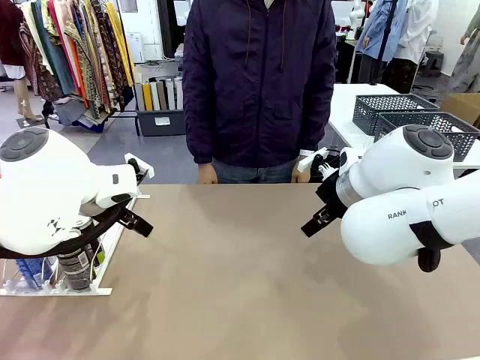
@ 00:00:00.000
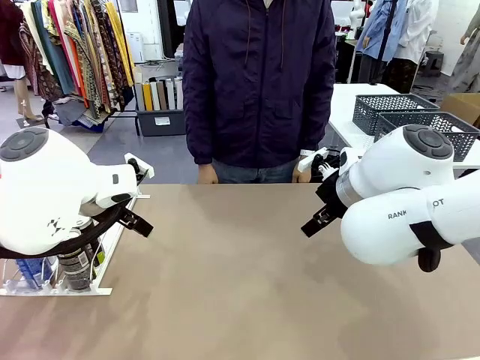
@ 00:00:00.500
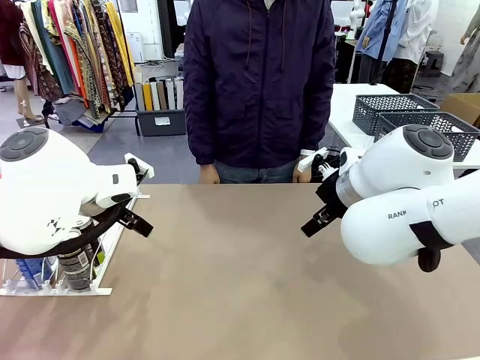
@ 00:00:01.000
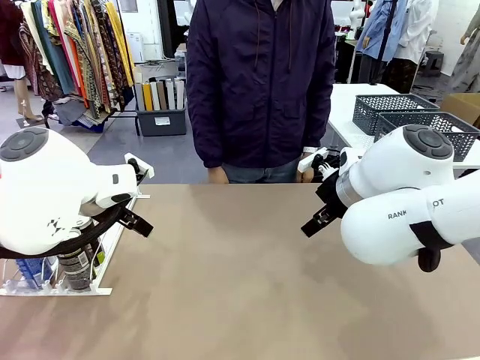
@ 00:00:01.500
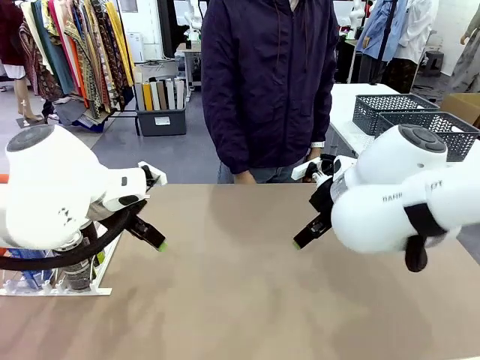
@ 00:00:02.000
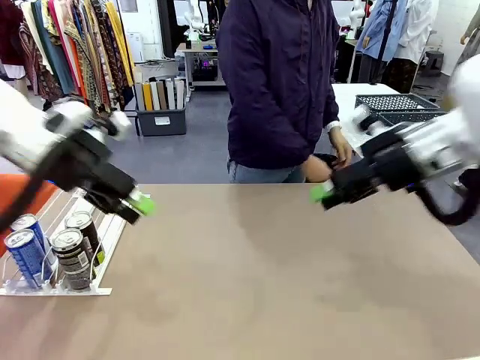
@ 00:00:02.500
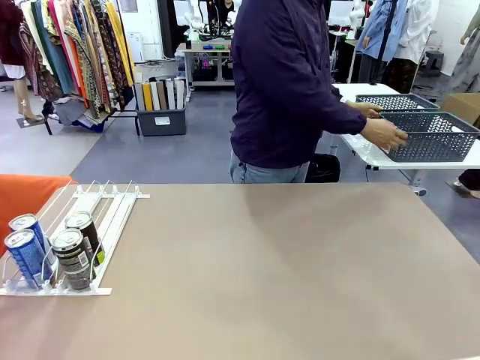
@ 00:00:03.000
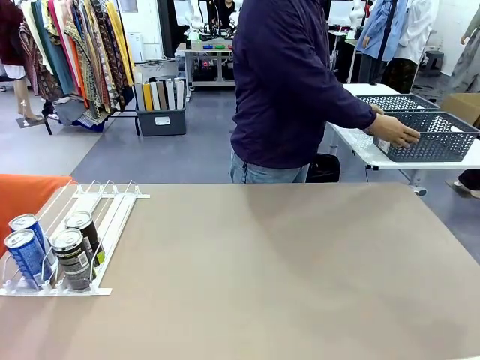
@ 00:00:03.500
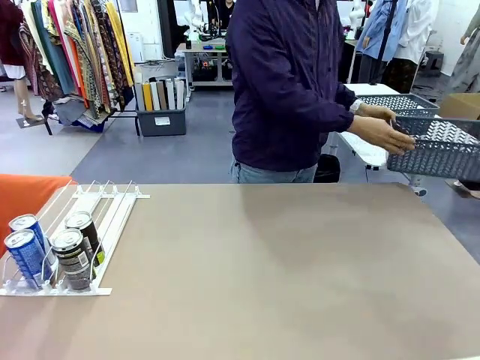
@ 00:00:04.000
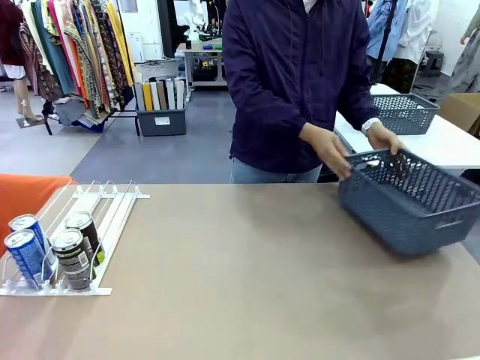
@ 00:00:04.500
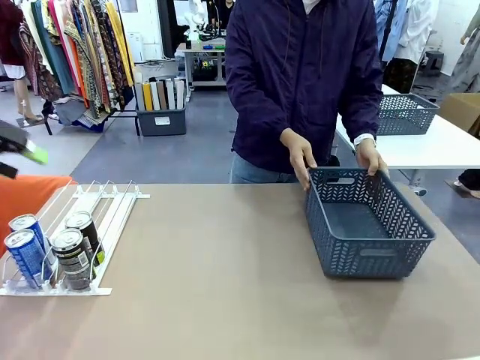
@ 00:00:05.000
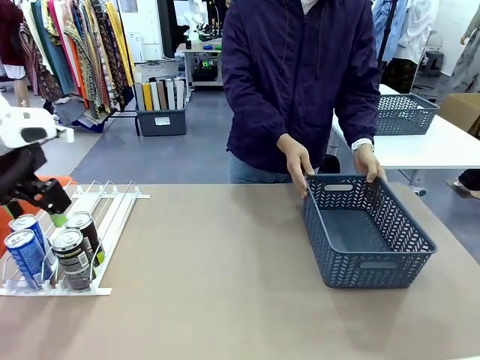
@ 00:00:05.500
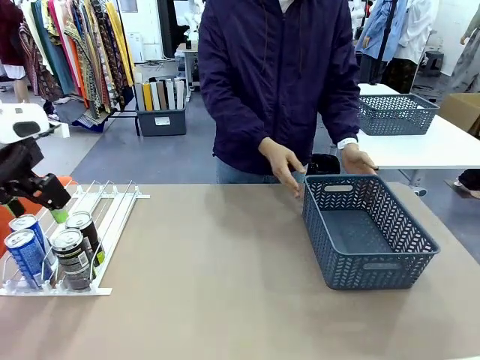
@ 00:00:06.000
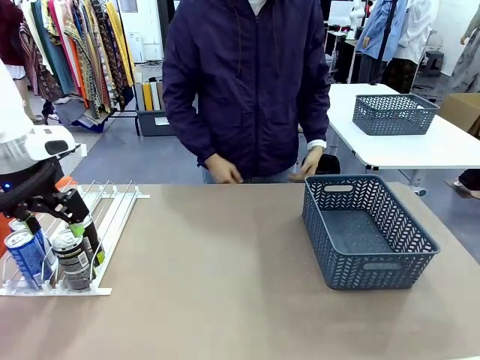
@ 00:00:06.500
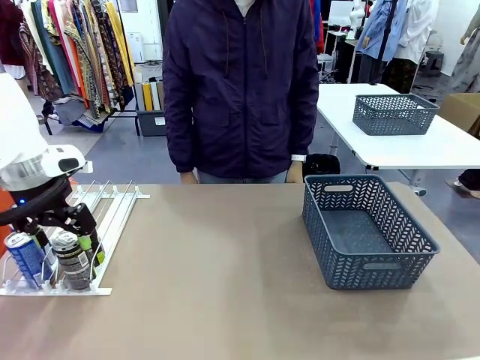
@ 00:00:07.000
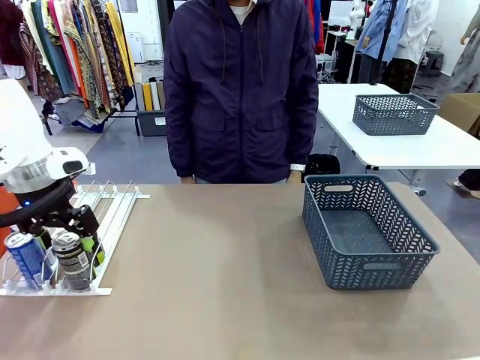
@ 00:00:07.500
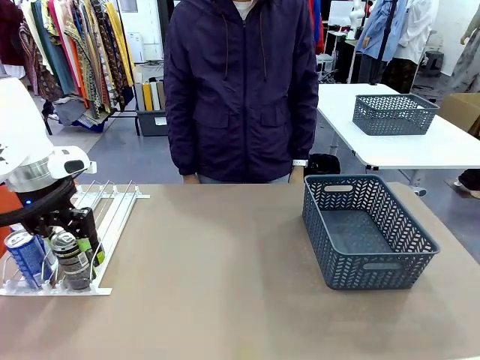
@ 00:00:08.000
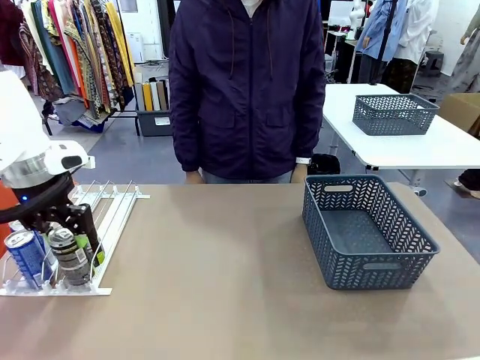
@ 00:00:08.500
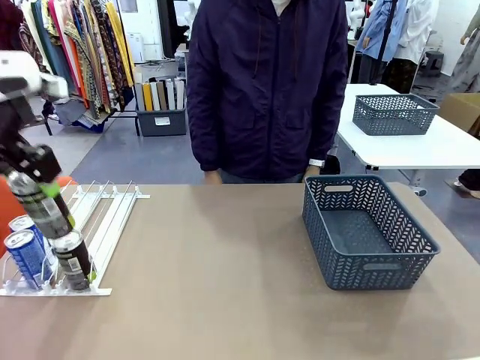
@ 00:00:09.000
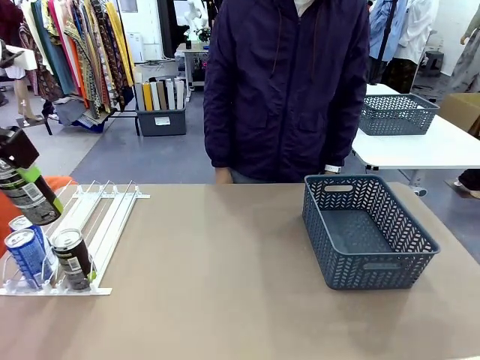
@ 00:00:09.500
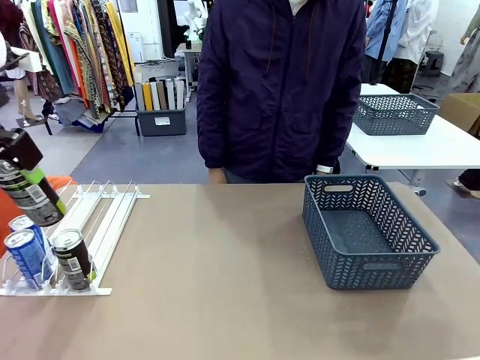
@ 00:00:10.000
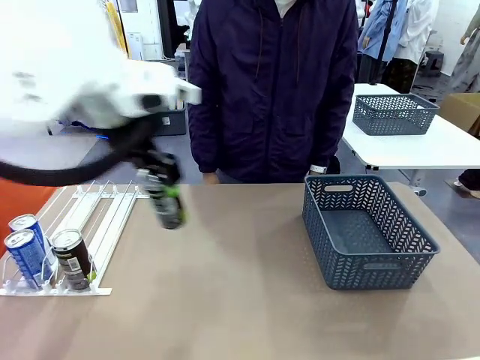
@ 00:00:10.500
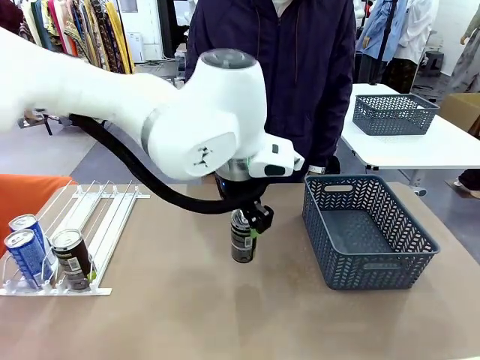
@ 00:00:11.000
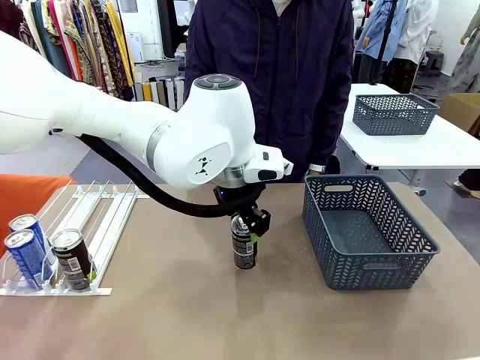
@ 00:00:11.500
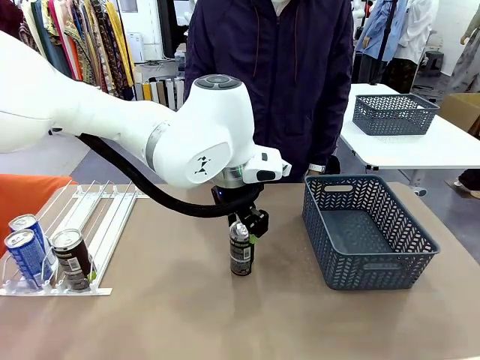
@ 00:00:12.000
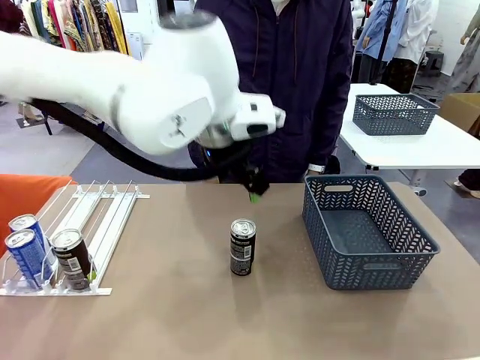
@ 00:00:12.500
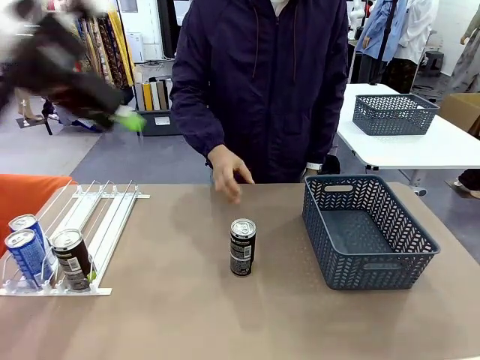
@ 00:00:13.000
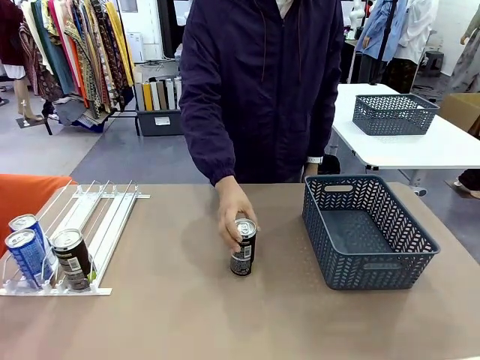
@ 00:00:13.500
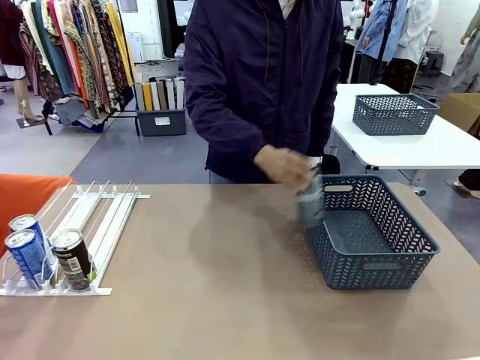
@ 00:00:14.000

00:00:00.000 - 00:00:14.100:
Task: Retrieve and store the cans from the dispenser.
Robot: Pick up one can from the Automatic Can Dispenser and place it in the middle of the table.
Person: Pick up the basket and place it on the left side of the robot table.

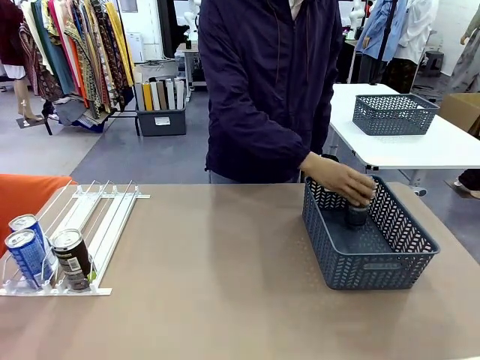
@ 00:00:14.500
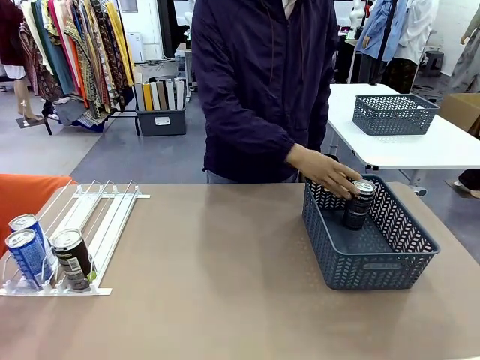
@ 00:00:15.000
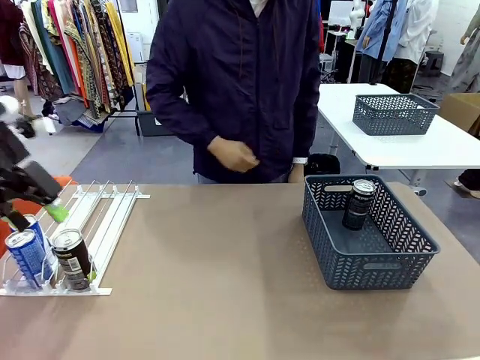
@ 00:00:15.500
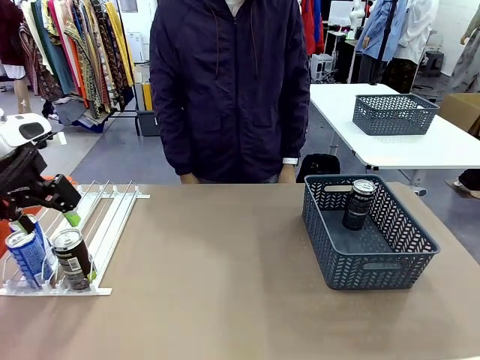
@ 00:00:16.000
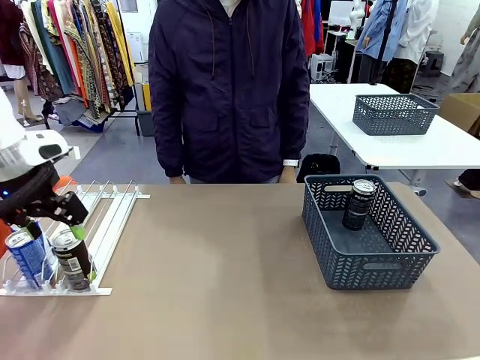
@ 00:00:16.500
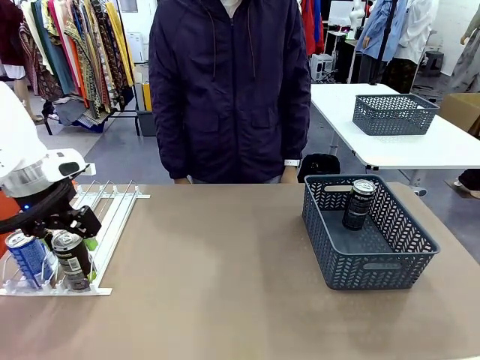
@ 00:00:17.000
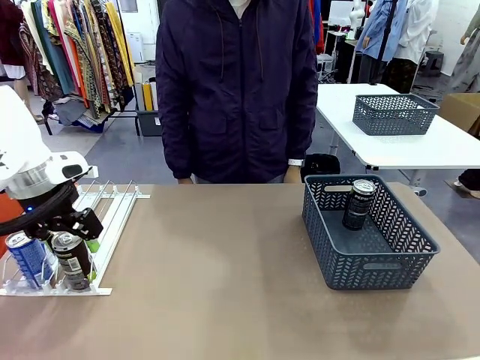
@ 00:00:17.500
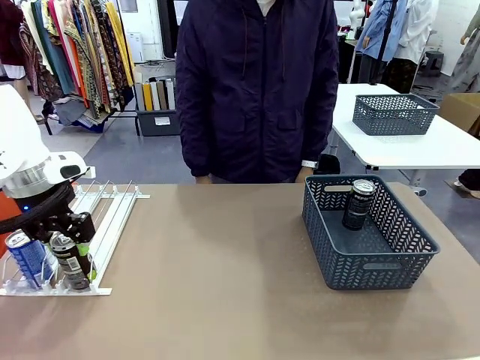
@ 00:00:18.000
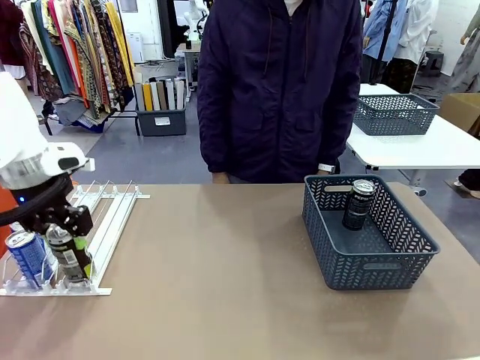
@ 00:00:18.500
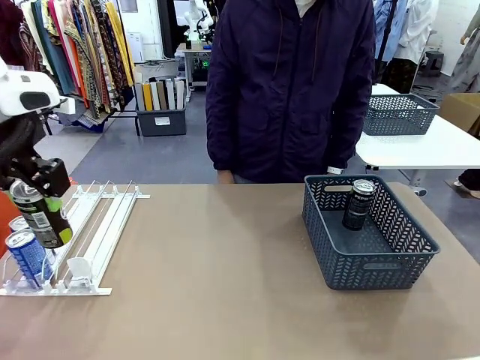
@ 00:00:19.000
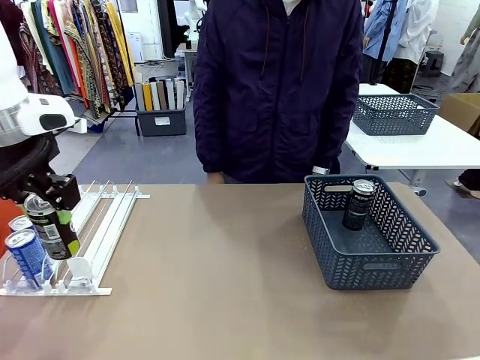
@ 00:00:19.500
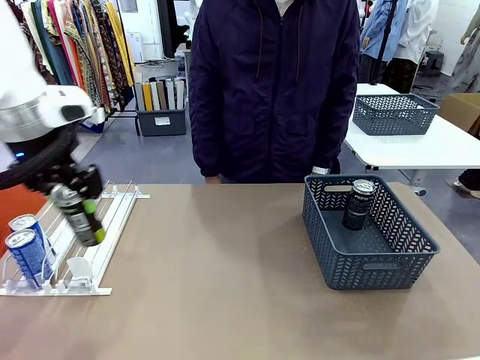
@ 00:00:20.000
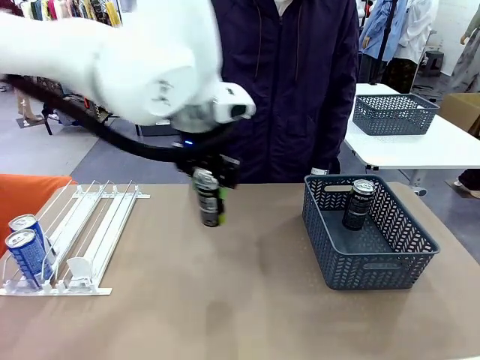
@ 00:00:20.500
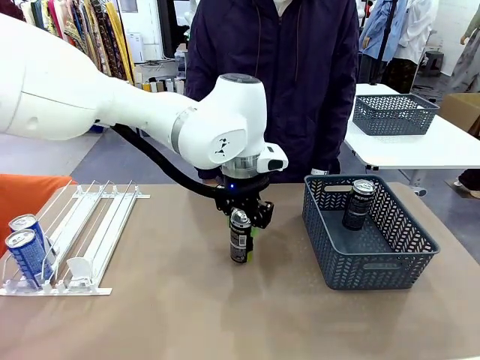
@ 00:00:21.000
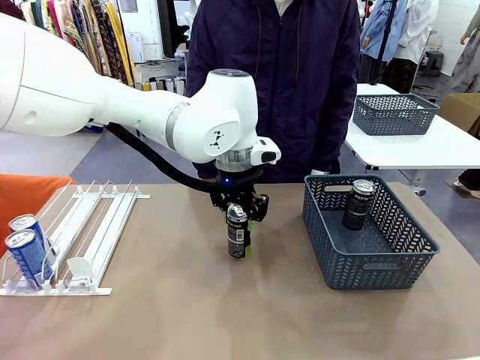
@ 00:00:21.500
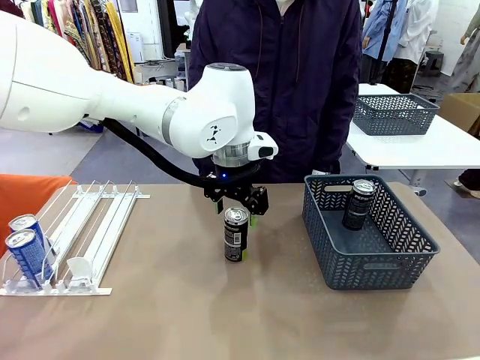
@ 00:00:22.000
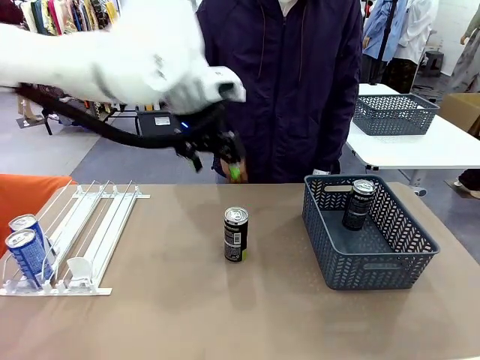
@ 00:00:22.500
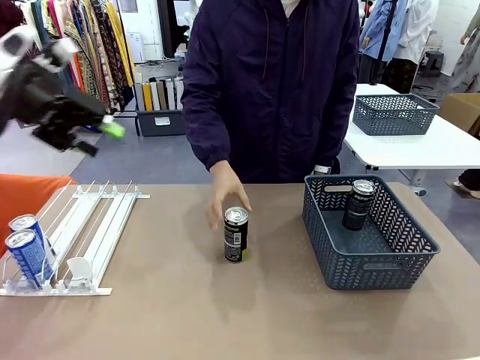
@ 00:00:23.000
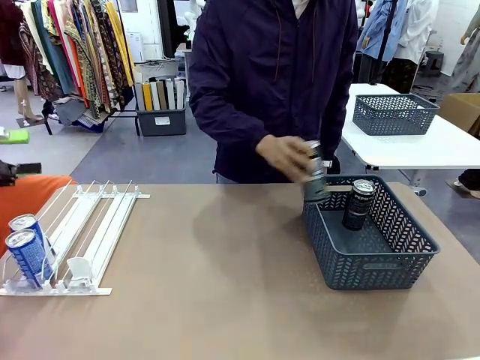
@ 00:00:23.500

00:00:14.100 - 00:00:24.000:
Robot: Pick up the last remaining can from one row of the Automatic Can Dispenser and place it in the middle of the table.
Person: Pick up one Pepsi can from the middle of the robot table and place it in the basket.

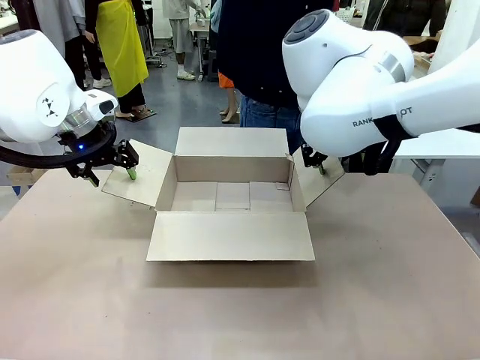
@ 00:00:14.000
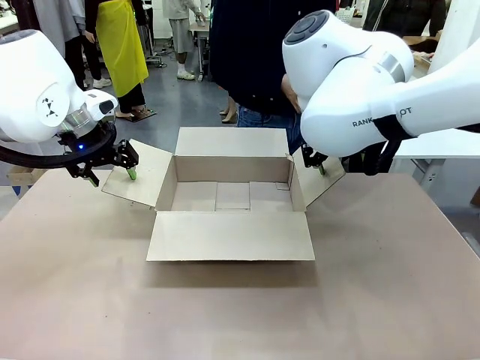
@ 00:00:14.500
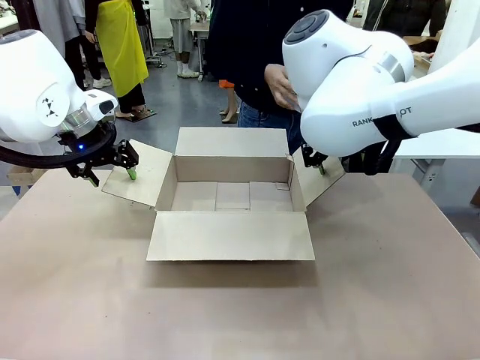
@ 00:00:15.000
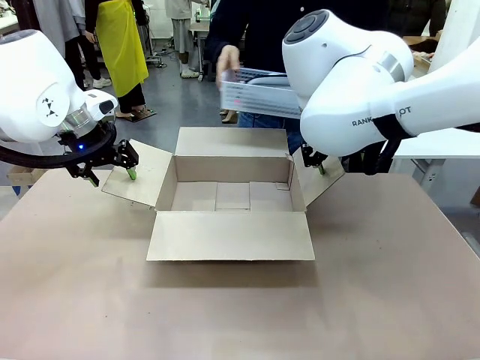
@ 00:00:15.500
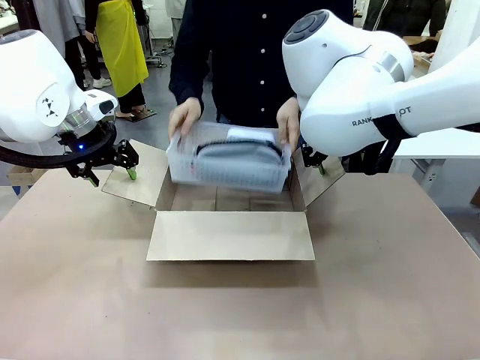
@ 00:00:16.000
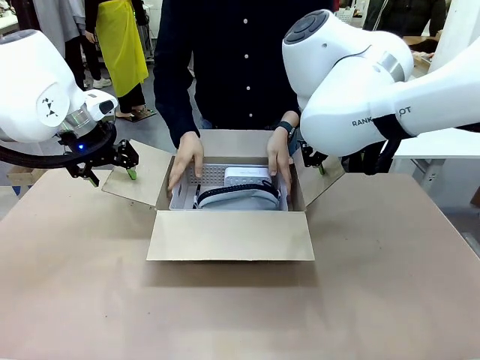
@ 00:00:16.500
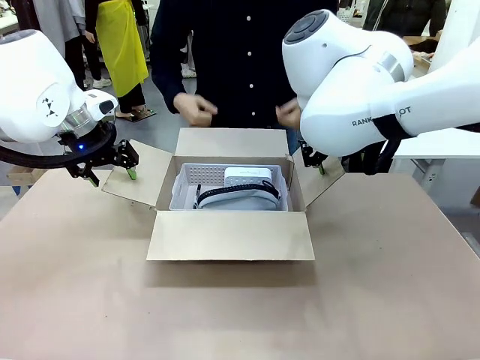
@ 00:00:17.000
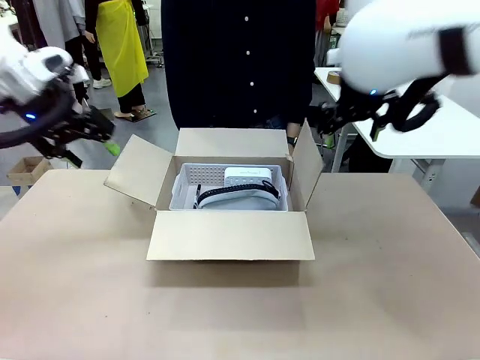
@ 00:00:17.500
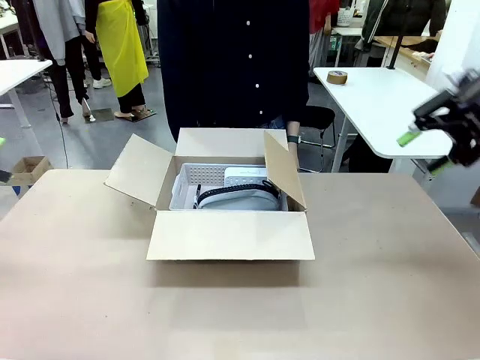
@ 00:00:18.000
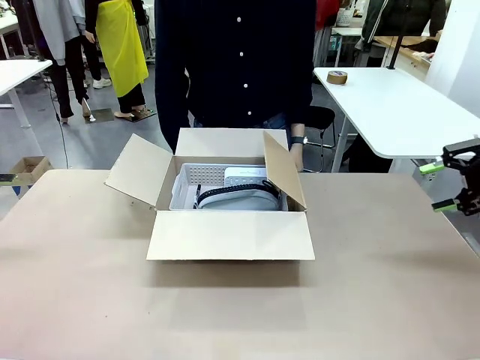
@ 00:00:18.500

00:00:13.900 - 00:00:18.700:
Task: Pack the gift set into the box.
Robot: Lift both hands away from the flaps of the Package Box.
Person: The human picks up the organizing basket and places the organizing basket into the package box on the robot table.
